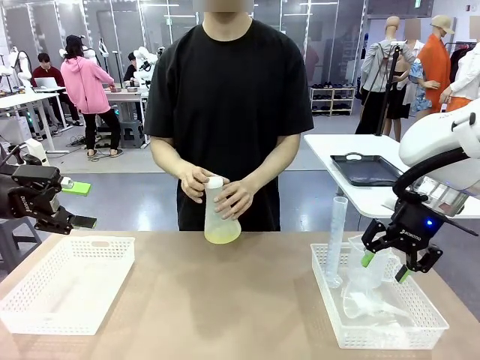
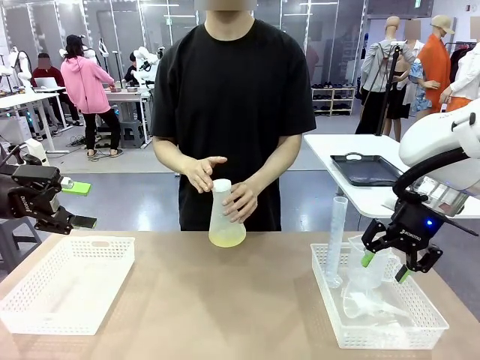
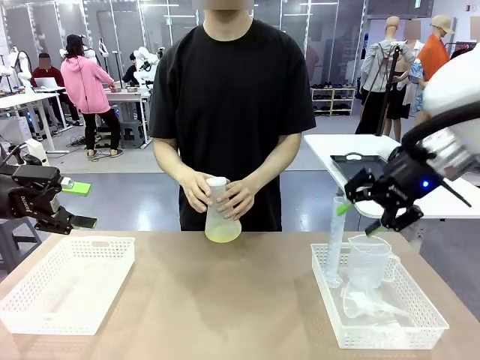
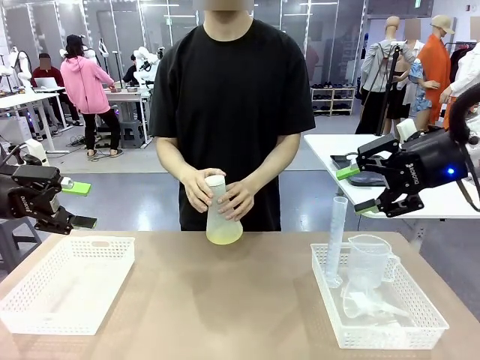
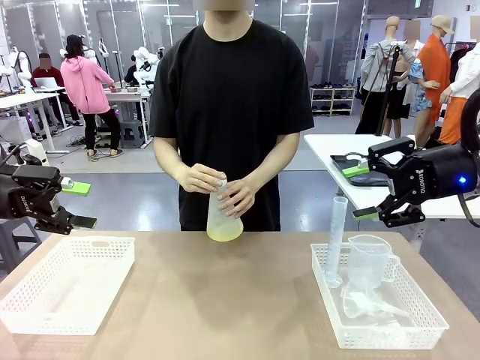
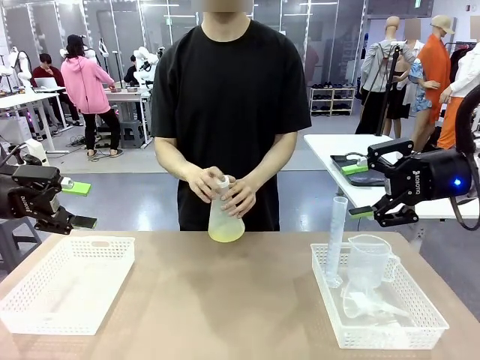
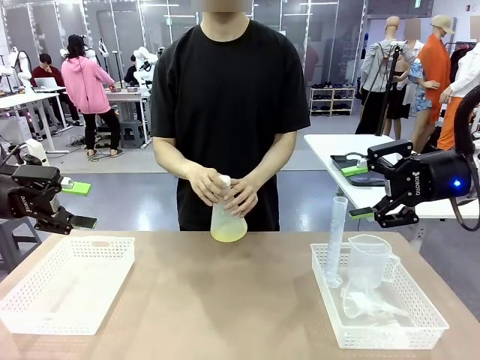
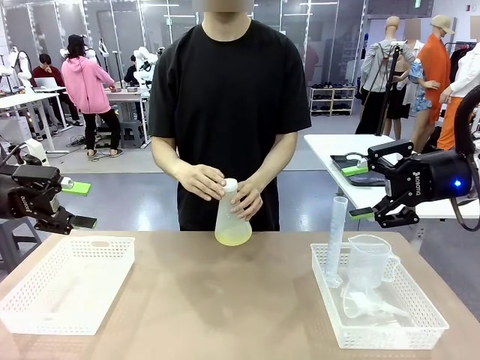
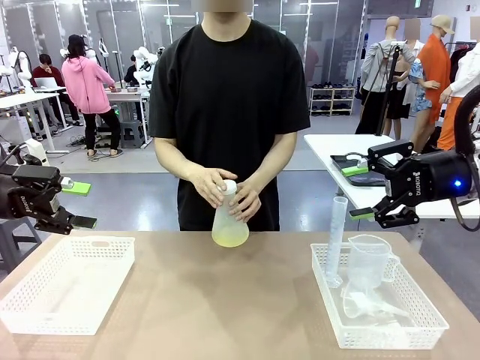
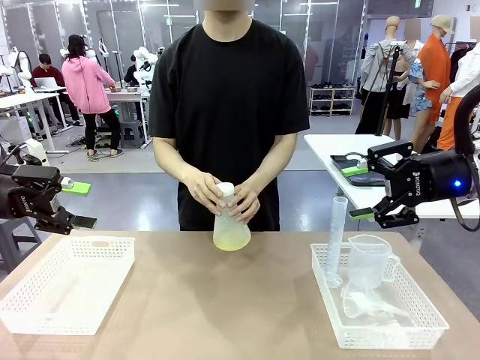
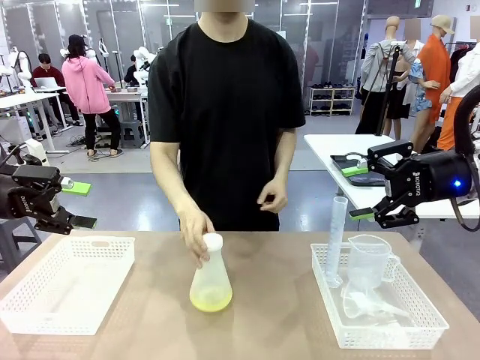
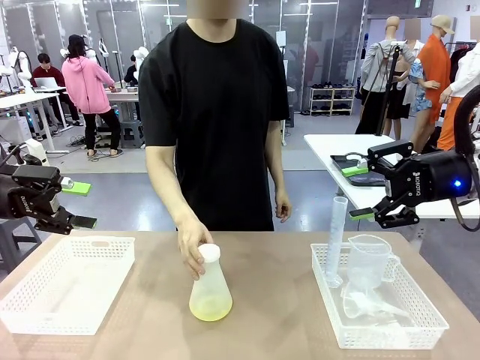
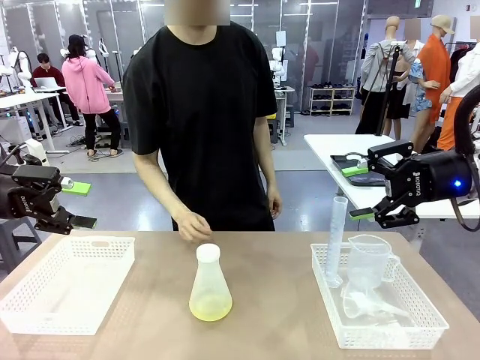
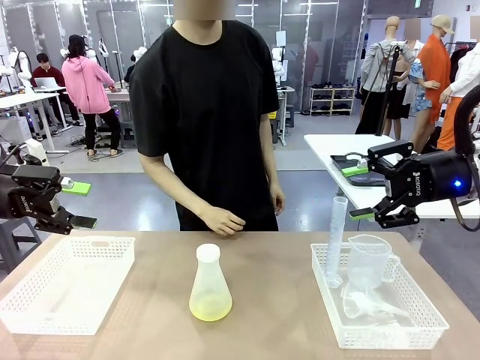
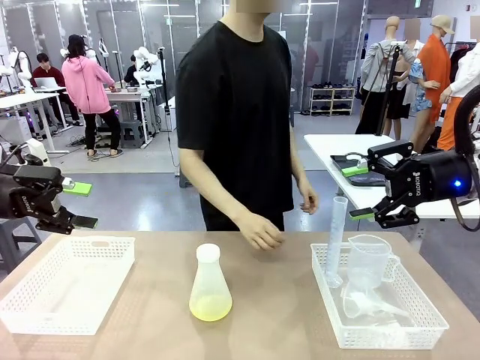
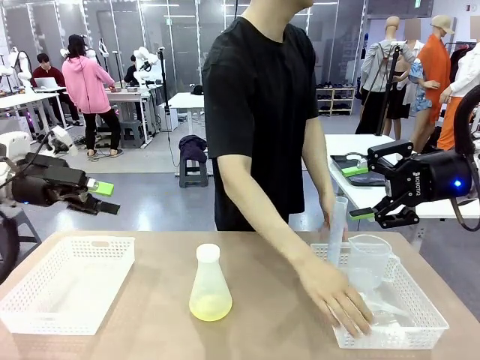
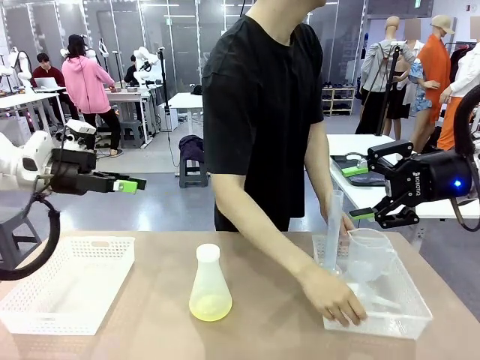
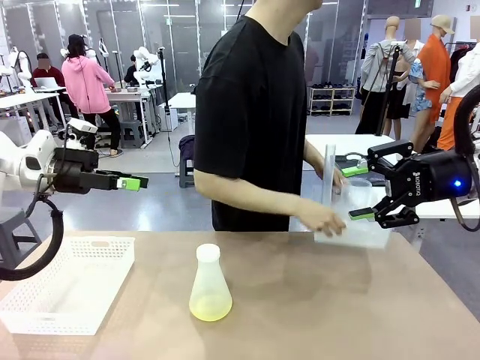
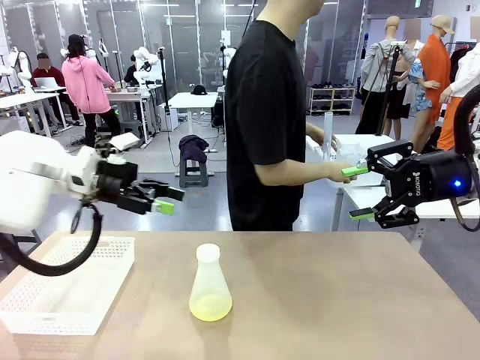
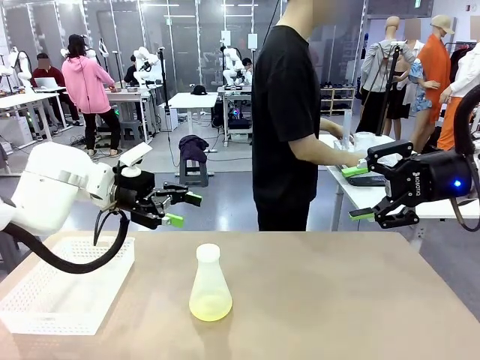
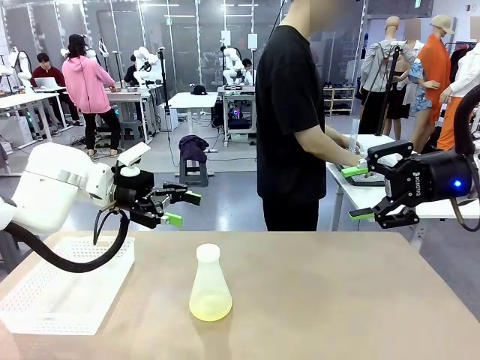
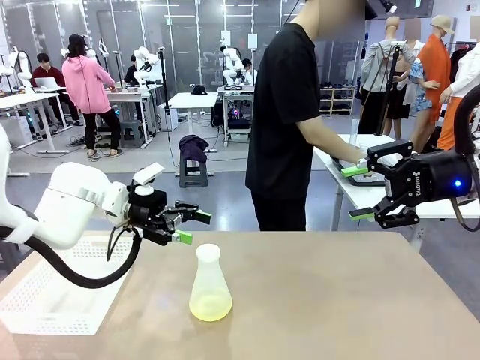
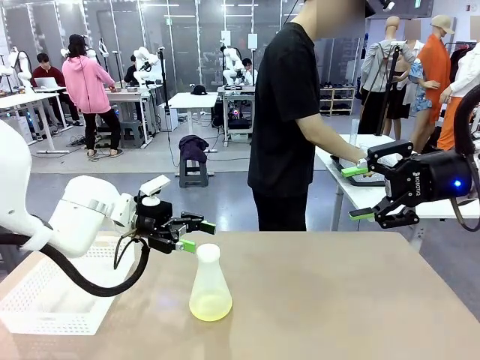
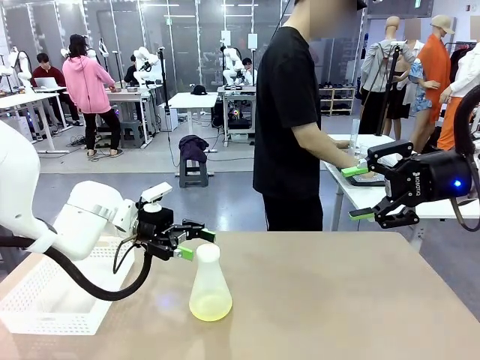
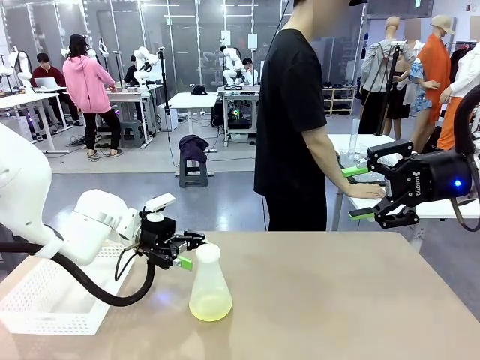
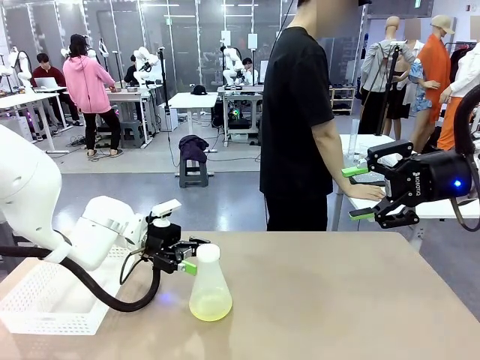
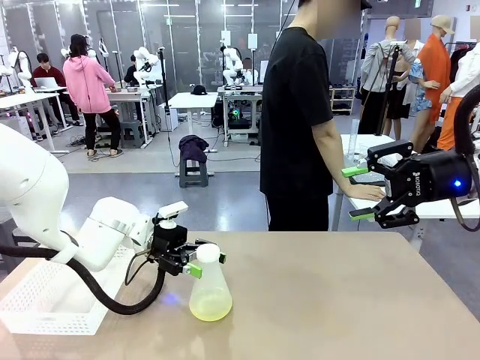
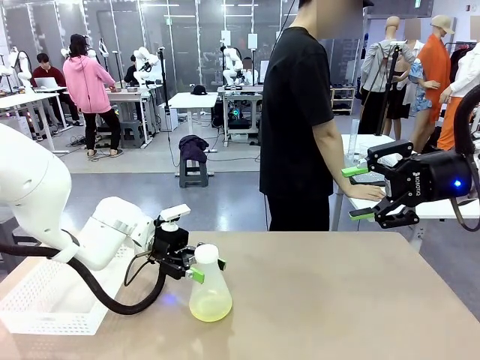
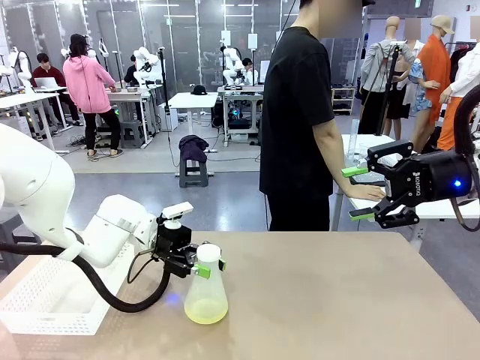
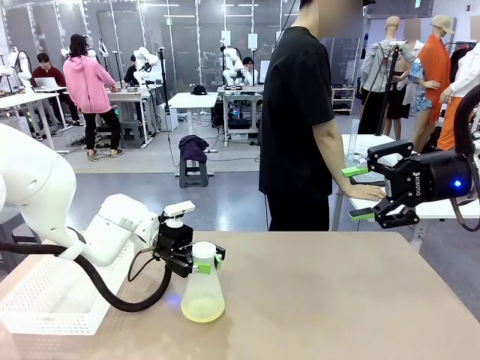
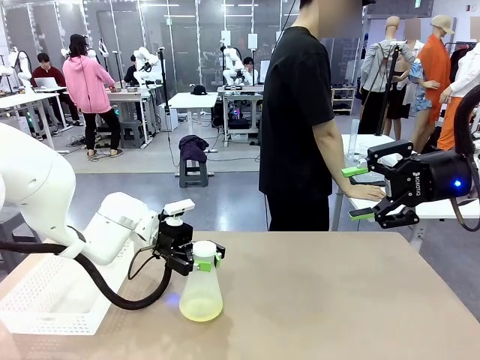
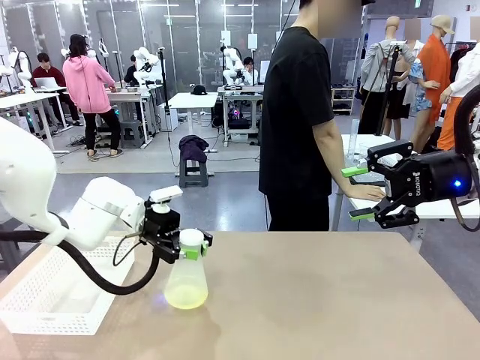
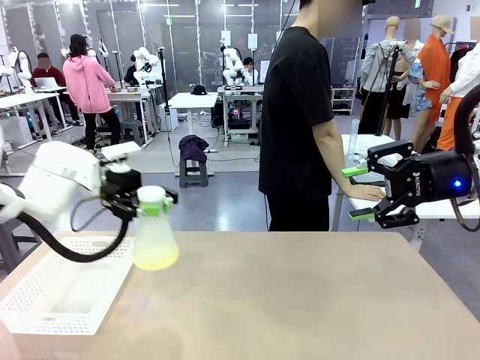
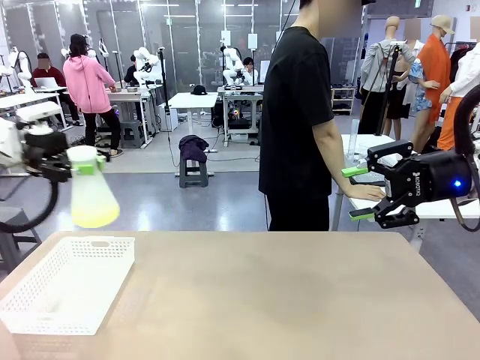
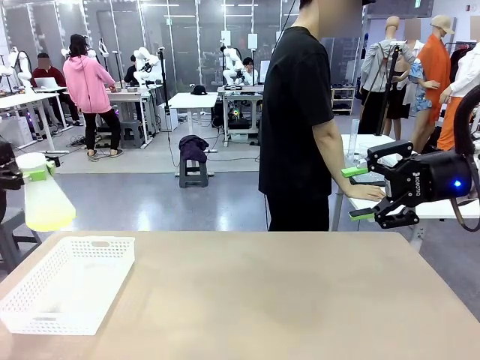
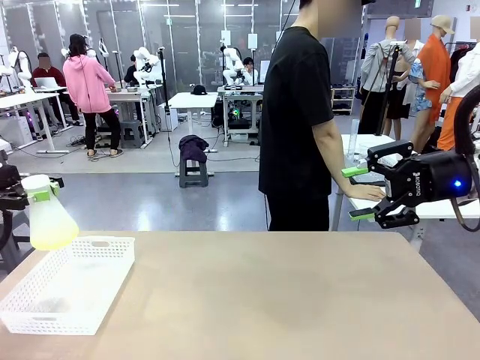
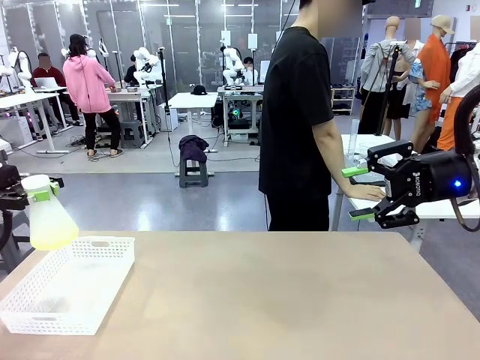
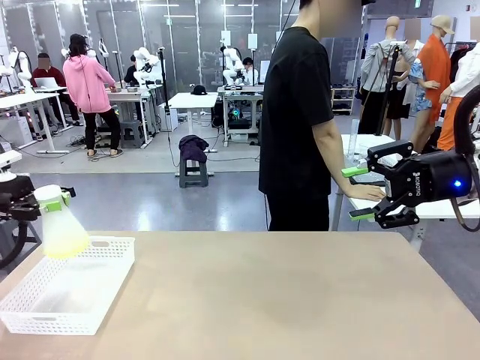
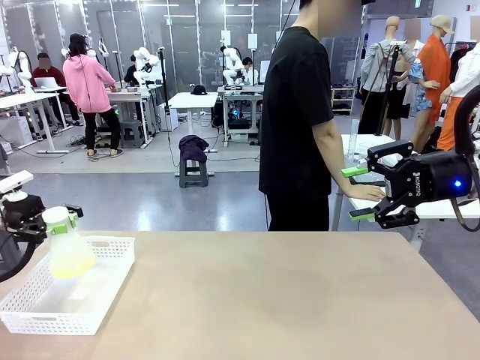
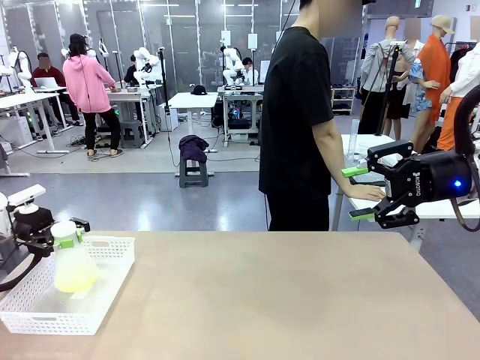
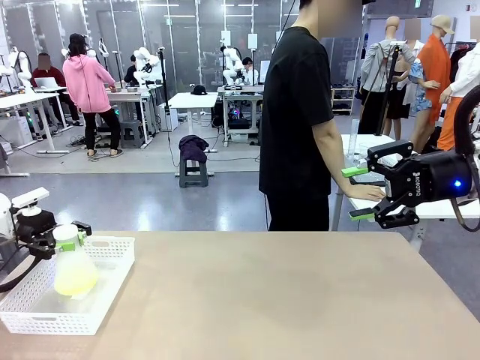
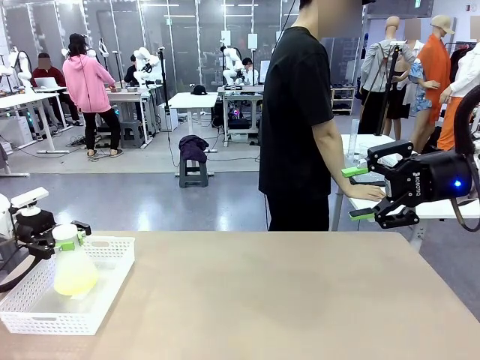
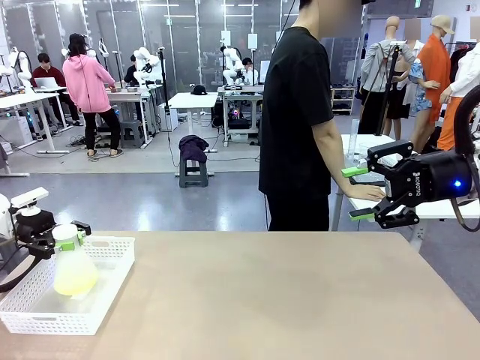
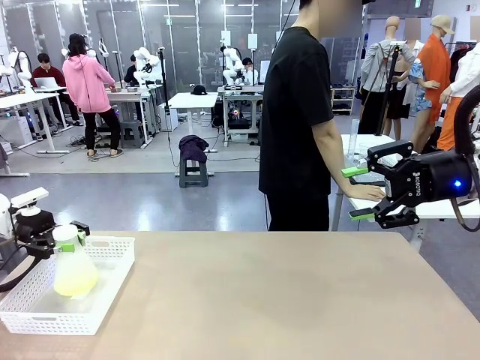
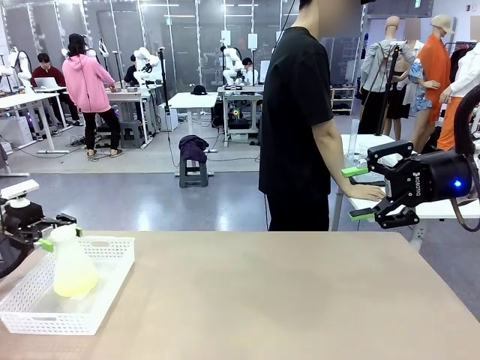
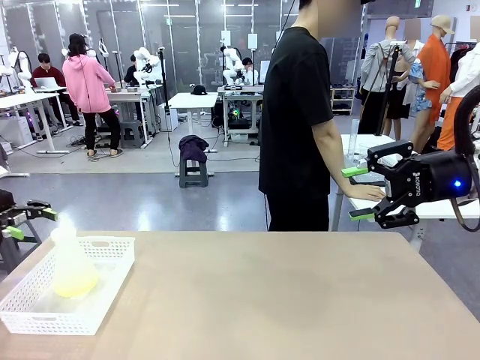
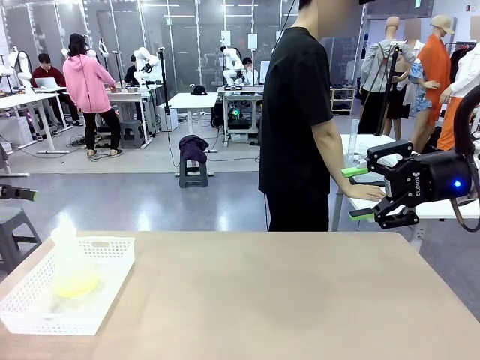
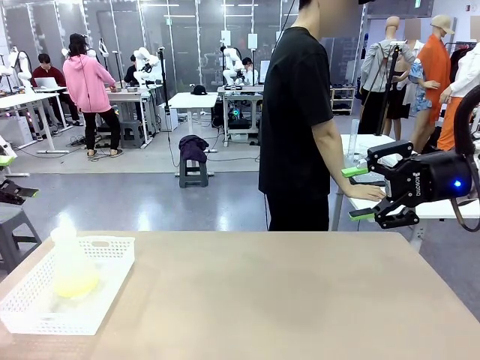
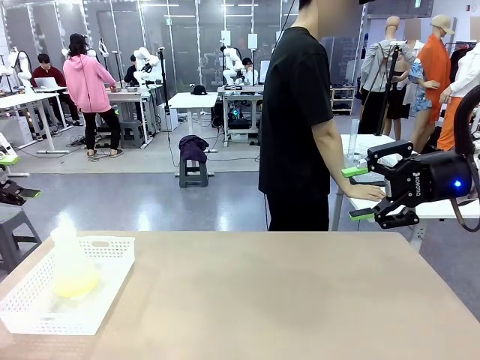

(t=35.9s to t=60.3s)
Task: Prepare the solutions needed for the experiment.
Robot: When the human places the Big flask in the center of the table, pick up the Big flask and place it in the left Organizing basket.
Person: Pick up the organizing basket on the left side of the robot table and place it on the left side of the human table.

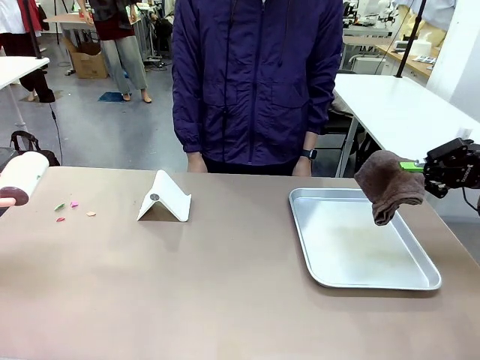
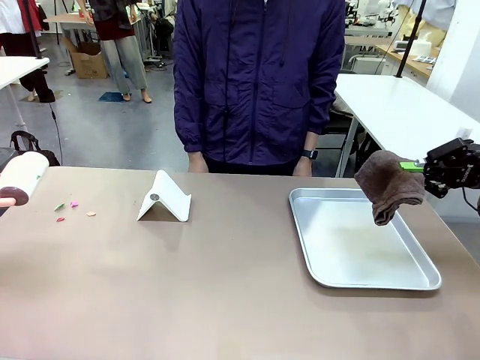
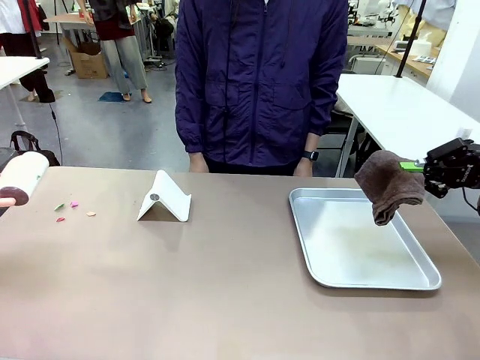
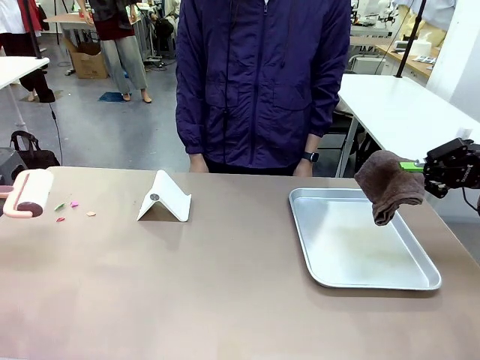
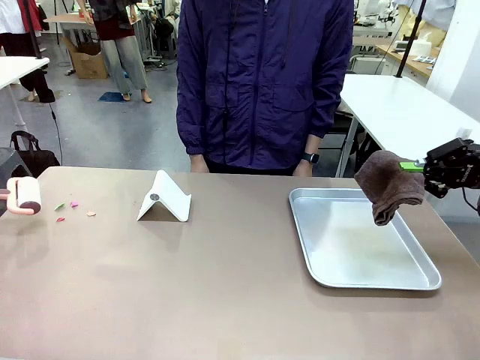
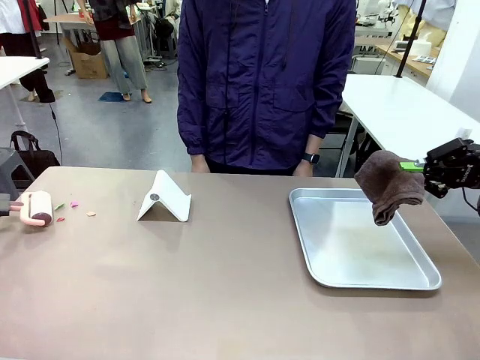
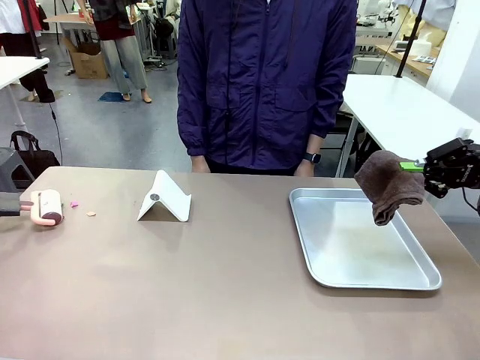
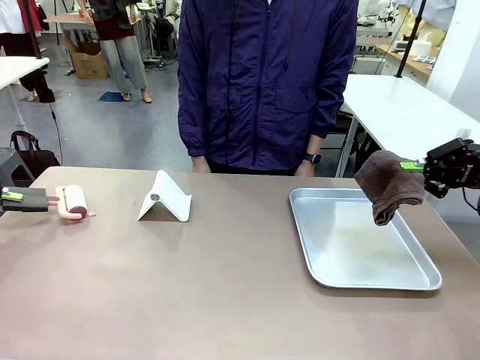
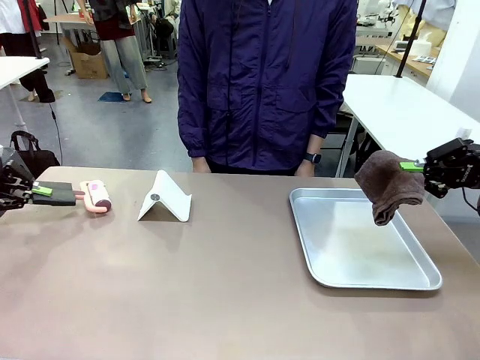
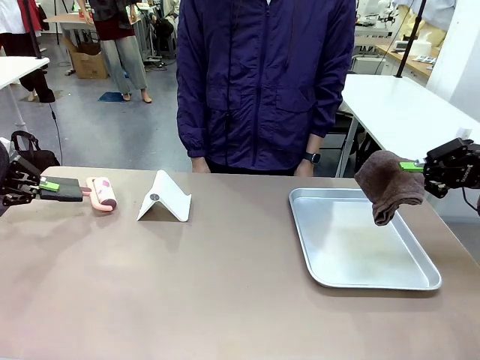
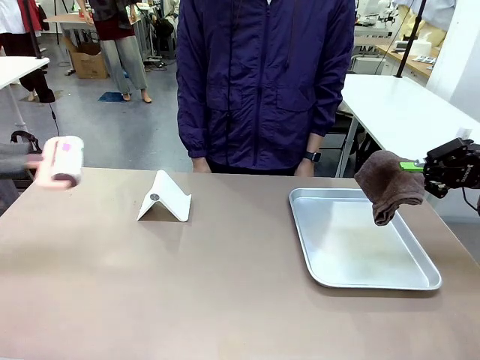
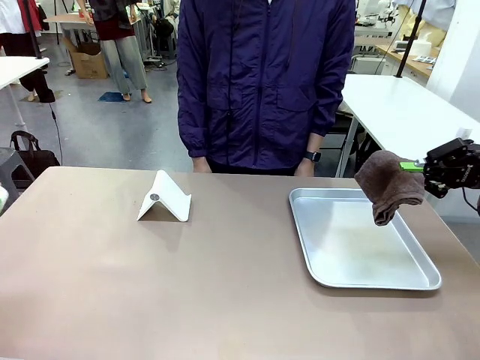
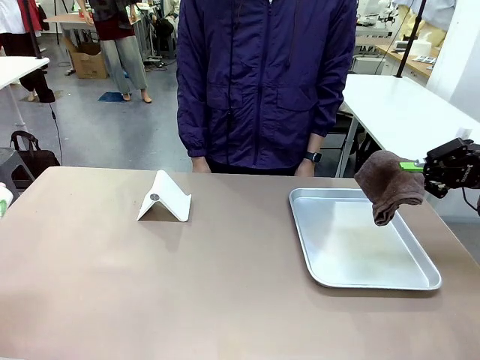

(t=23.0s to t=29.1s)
Task: Clean the surface of the table.
Robot: Clean the area not pointed to by the person.
